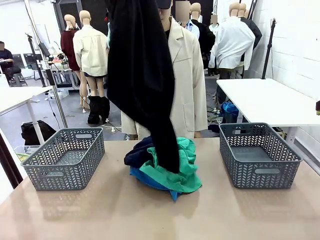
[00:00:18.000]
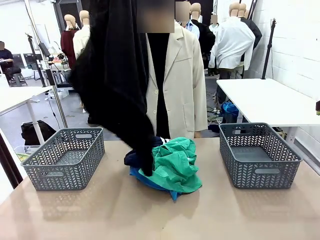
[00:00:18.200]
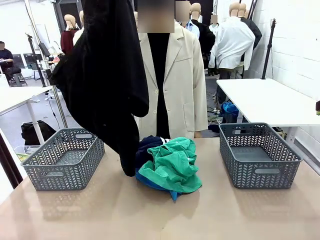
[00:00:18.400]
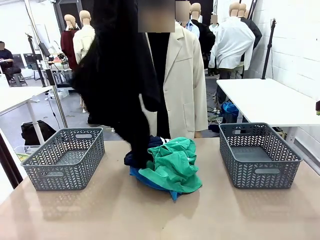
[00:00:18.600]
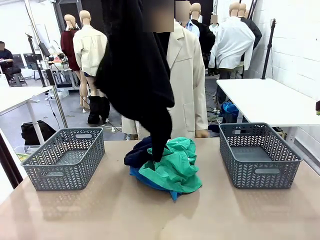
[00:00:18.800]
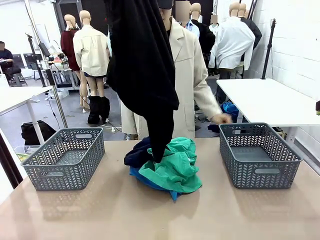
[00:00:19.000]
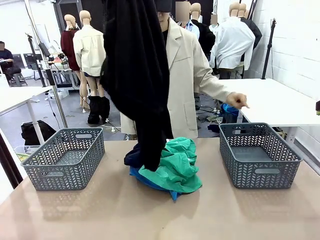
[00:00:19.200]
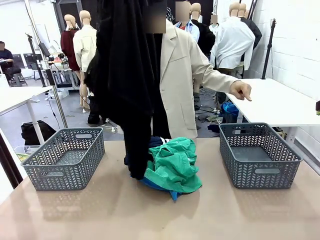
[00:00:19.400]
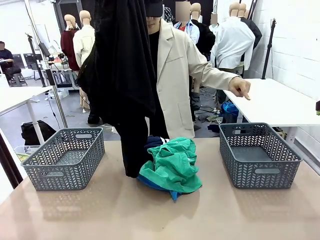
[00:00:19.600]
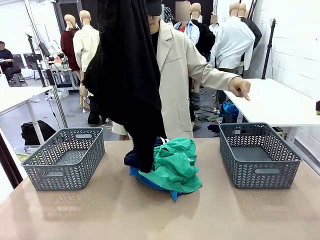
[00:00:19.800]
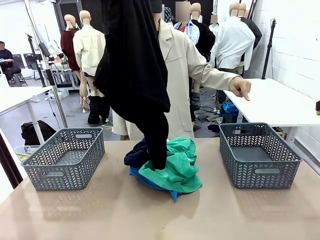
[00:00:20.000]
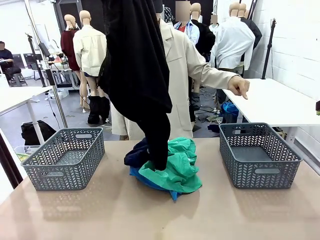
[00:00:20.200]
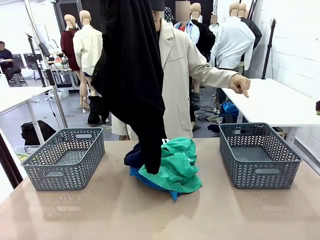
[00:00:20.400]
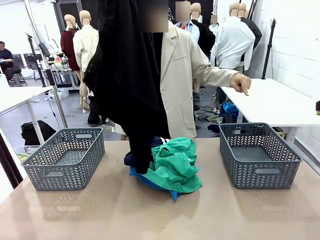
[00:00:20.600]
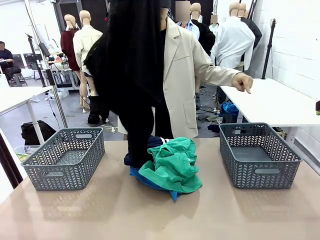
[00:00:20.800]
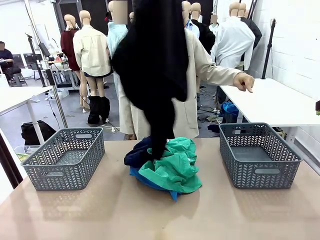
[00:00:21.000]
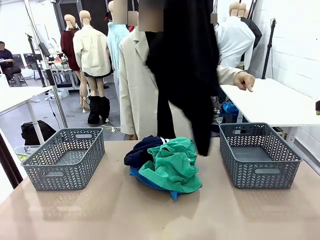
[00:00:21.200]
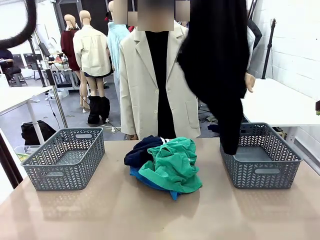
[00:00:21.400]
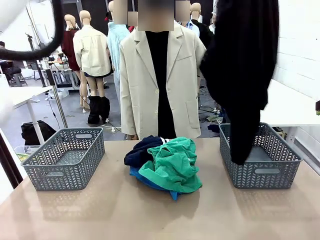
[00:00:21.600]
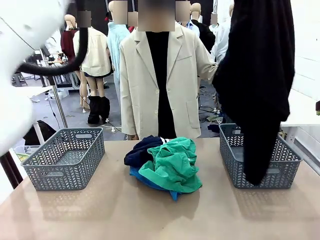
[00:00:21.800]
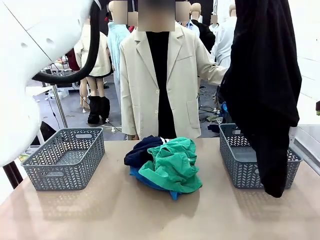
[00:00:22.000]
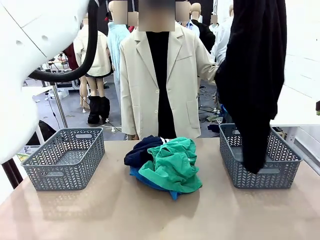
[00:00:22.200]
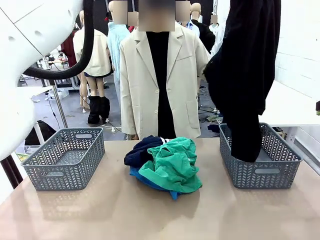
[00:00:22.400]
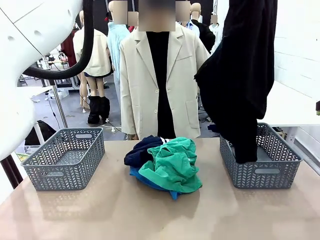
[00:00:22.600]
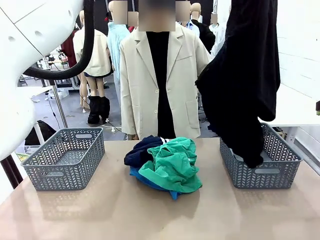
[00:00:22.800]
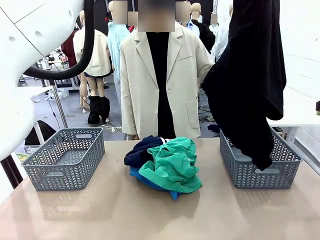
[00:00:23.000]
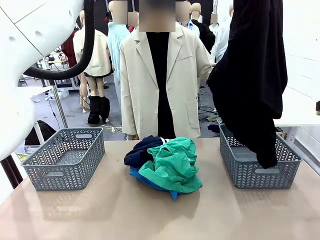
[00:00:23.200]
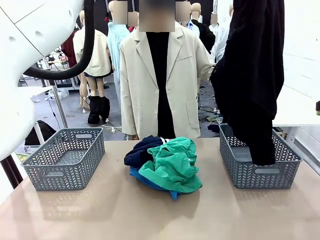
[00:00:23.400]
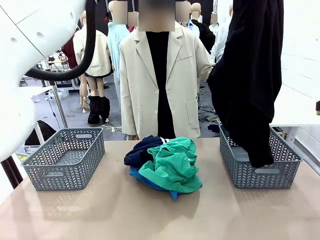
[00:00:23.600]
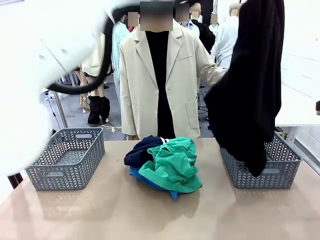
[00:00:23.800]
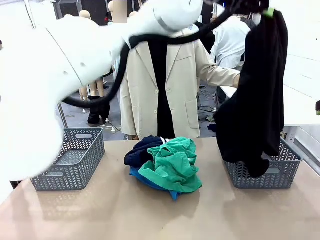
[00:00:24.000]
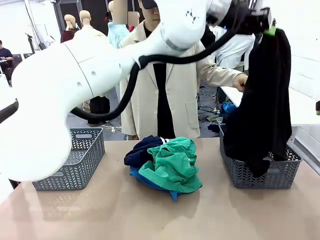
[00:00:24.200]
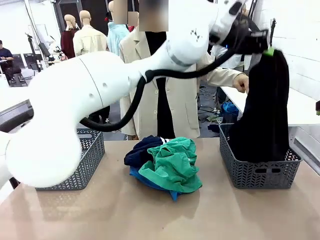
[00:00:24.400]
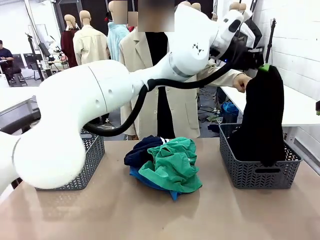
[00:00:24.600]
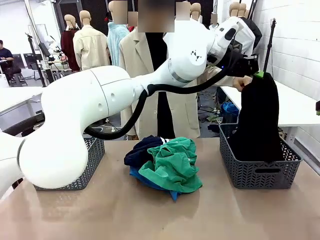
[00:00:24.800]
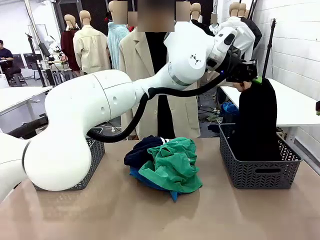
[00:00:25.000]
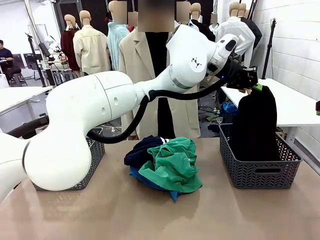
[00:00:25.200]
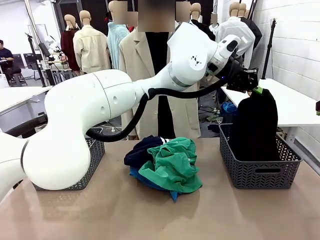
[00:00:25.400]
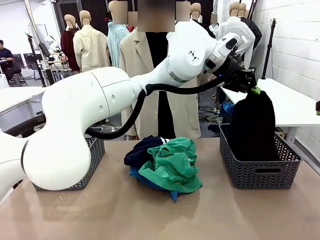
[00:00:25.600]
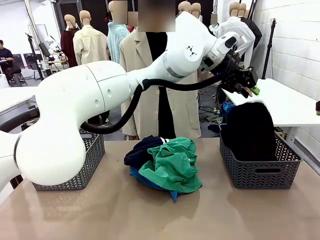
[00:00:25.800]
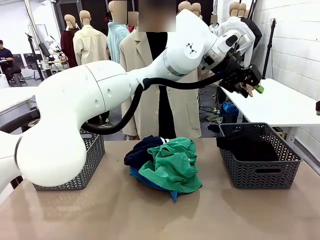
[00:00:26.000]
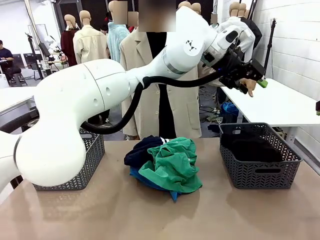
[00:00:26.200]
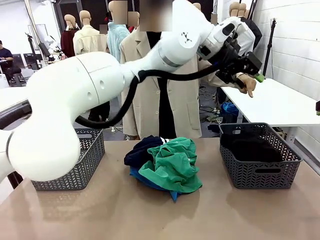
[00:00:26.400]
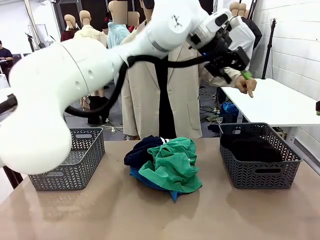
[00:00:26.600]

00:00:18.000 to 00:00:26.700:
Task: Sort the tops and bottoms.
Robot: Sort the clothes according to human instructions.

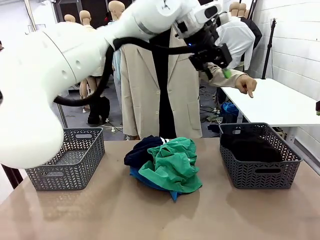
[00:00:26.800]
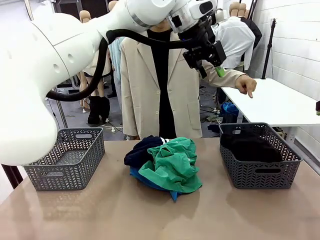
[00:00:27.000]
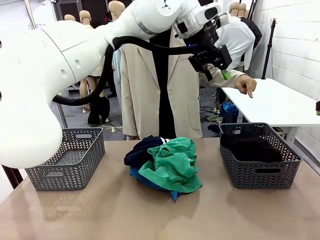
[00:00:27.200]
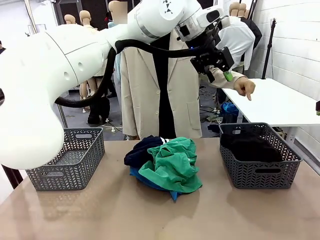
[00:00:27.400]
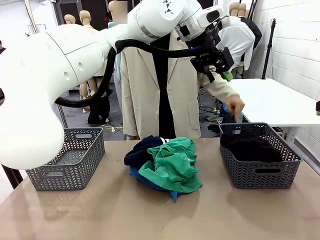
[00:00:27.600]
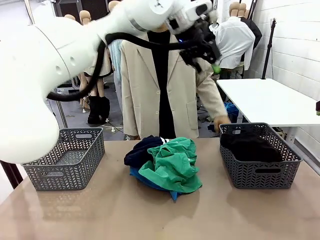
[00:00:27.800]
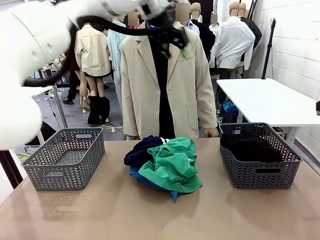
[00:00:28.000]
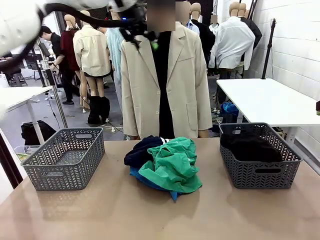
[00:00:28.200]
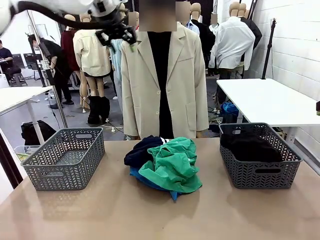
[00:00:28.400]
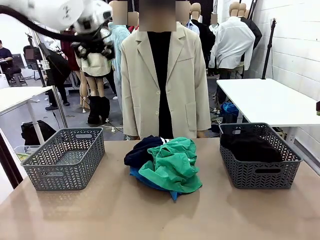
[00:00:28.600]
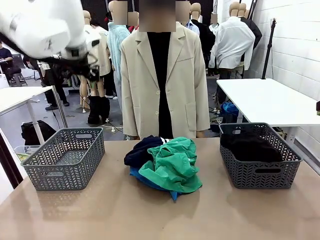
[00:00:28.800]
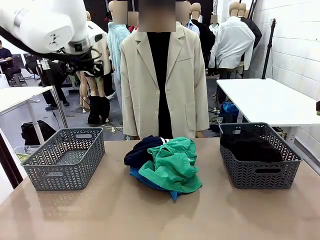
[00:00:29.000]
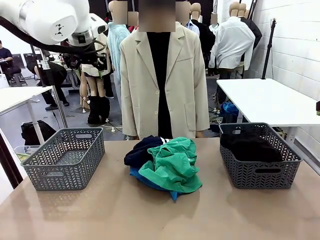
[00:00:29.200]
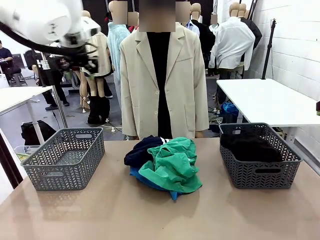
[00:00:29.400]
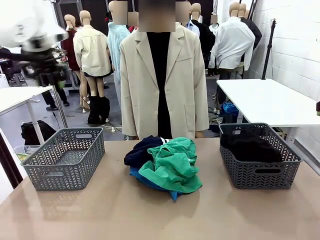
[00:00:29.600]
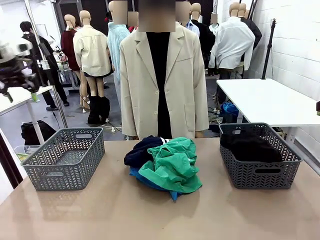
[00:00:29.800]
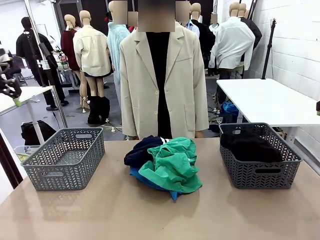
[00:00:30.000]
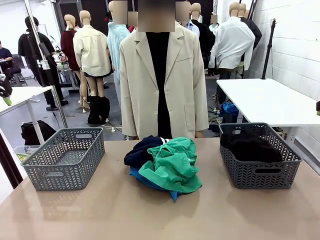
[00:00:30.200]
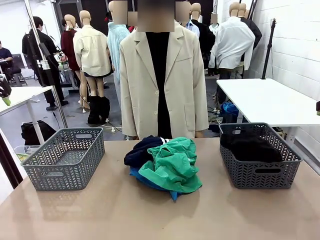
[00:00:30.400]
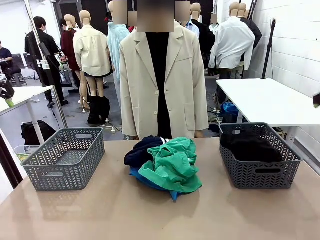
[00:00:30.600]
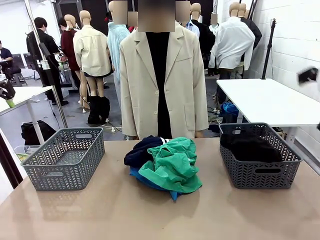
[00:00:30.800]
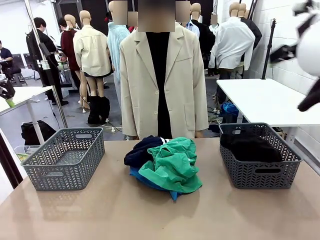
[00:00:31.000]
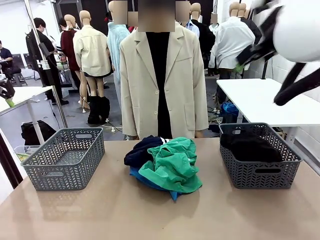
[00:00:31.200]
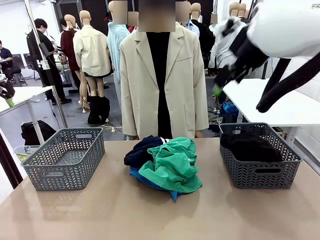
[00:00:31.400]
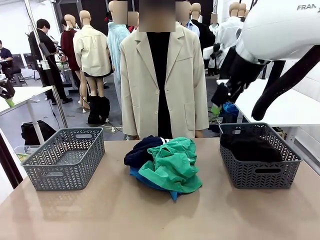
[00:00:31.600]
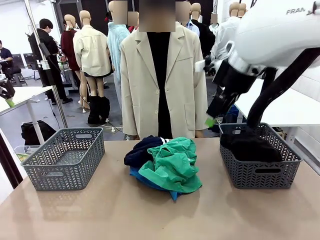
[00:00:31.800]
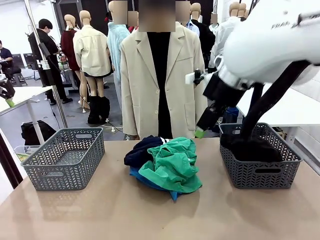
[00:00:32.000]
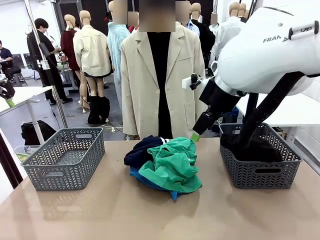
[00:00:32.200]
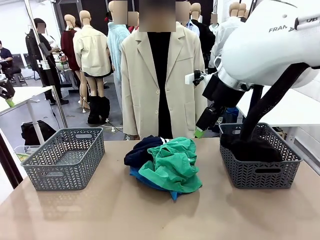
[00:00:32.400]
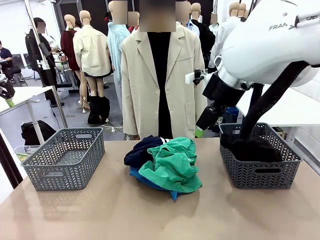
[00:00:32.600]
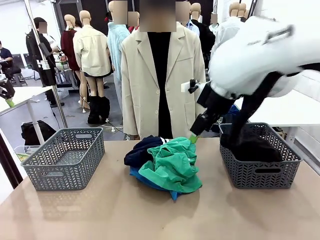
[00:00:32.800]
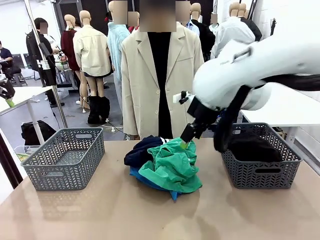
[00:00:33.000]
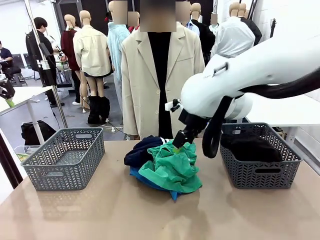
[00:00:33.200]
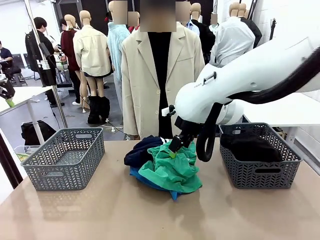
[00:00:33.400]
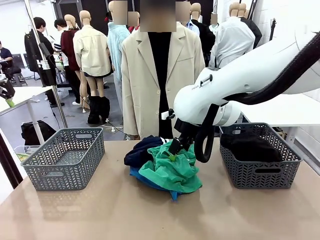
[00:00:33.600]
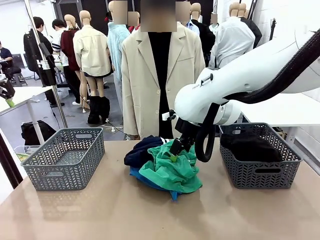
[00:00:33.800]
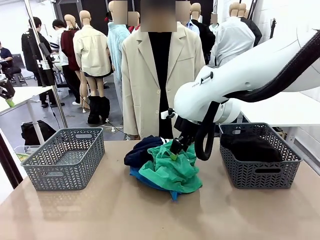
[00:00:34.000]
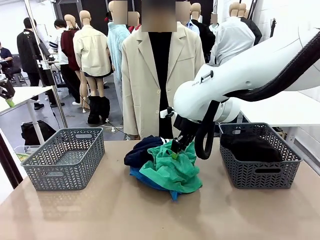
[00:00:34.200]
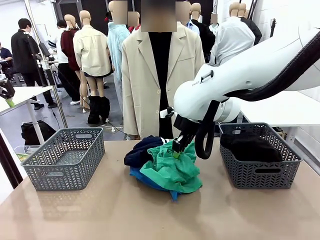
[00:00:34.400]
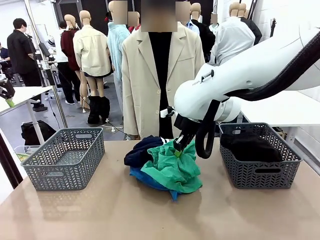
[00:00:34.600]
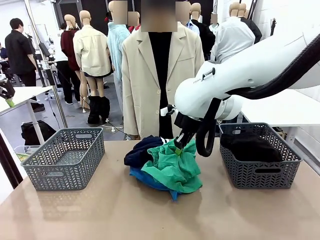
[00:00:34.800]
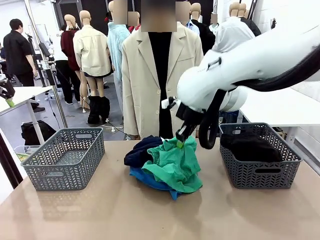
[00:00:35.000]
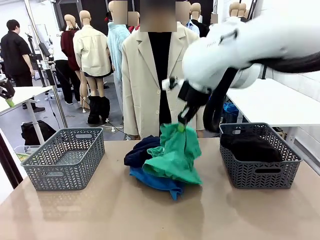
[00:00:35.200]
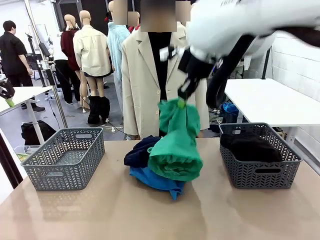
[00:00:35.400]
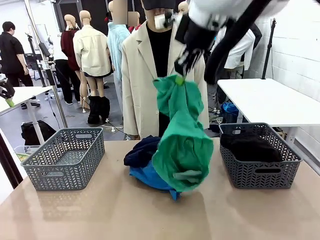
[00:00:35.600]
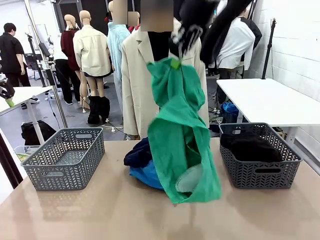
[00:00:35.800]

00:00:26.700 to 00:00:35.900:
Robot: Lift clothes from the center of the table with your right hand.
